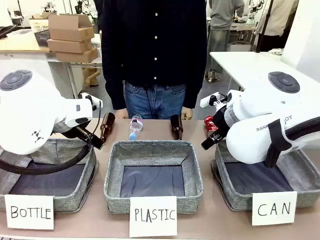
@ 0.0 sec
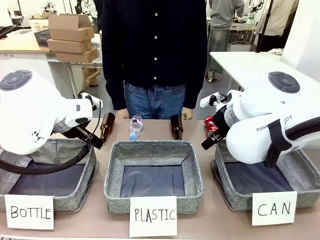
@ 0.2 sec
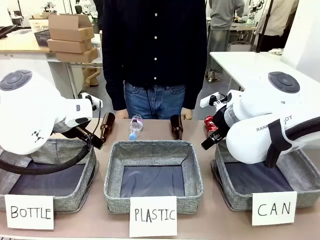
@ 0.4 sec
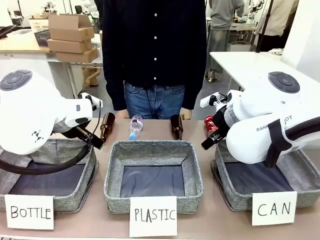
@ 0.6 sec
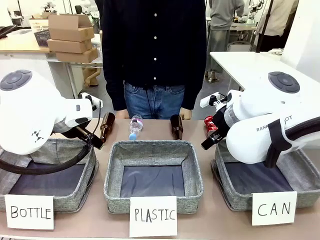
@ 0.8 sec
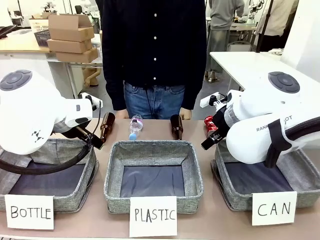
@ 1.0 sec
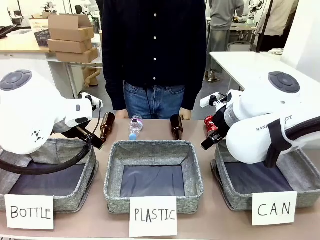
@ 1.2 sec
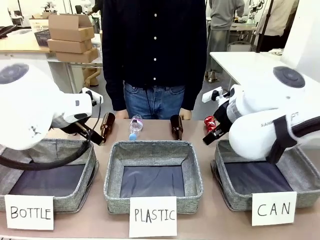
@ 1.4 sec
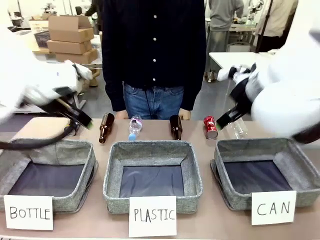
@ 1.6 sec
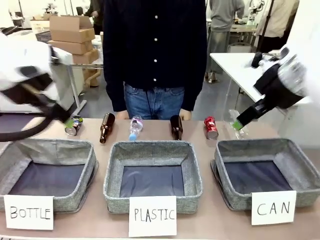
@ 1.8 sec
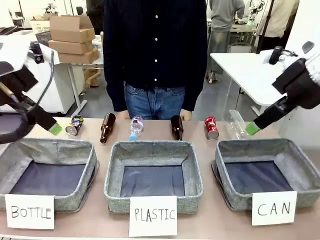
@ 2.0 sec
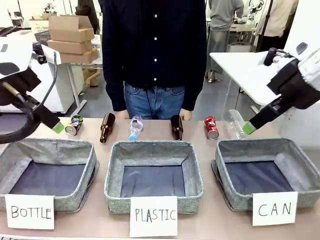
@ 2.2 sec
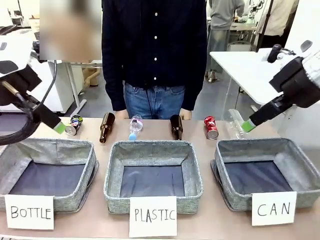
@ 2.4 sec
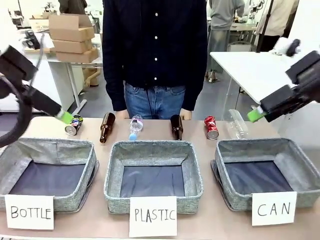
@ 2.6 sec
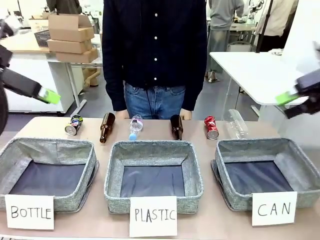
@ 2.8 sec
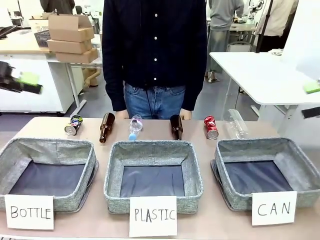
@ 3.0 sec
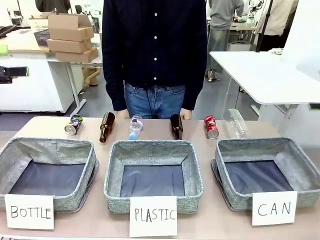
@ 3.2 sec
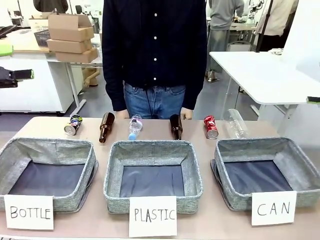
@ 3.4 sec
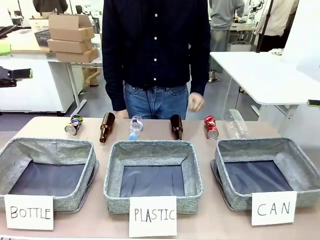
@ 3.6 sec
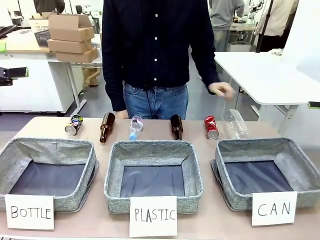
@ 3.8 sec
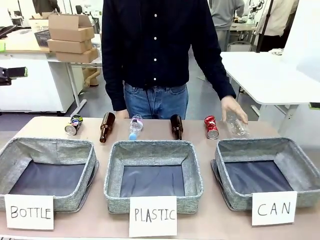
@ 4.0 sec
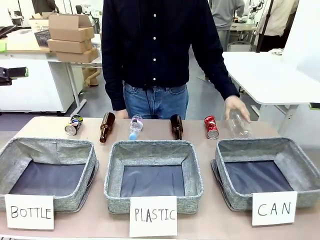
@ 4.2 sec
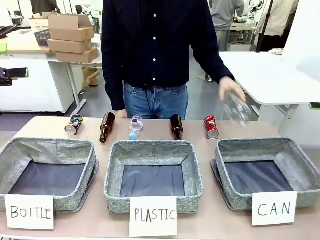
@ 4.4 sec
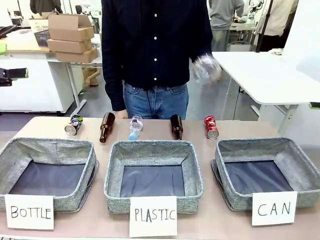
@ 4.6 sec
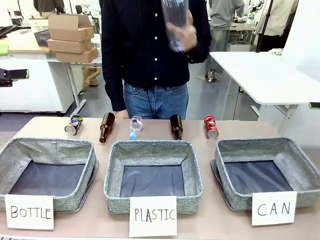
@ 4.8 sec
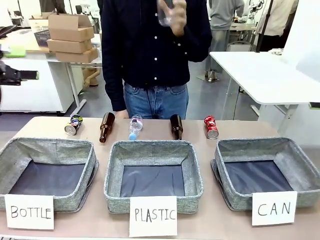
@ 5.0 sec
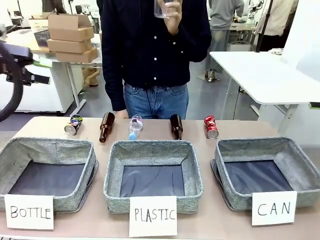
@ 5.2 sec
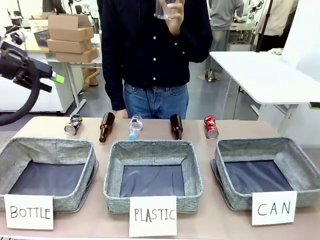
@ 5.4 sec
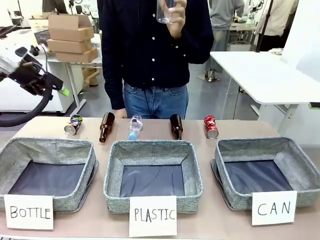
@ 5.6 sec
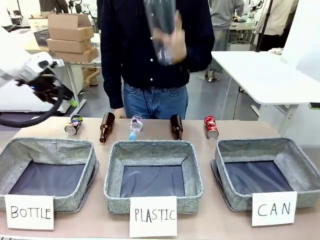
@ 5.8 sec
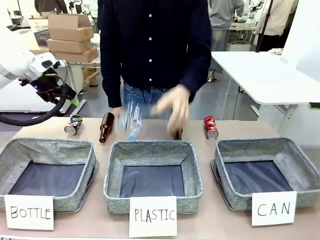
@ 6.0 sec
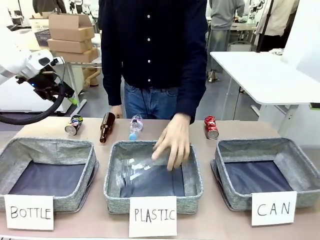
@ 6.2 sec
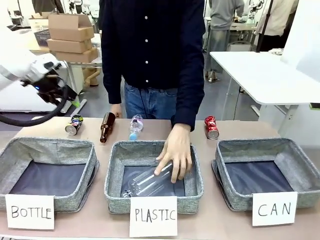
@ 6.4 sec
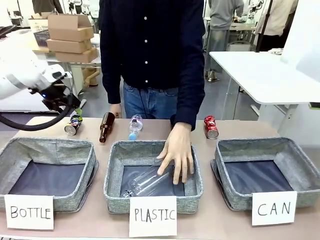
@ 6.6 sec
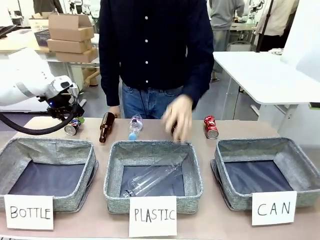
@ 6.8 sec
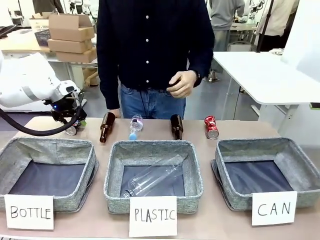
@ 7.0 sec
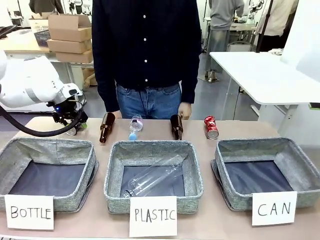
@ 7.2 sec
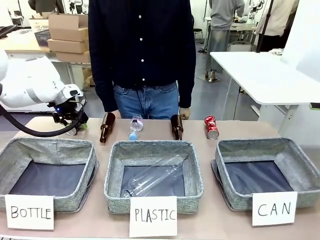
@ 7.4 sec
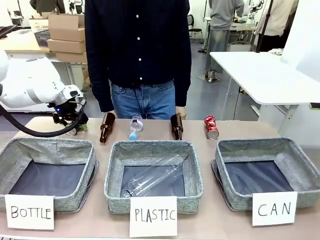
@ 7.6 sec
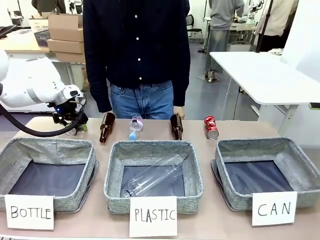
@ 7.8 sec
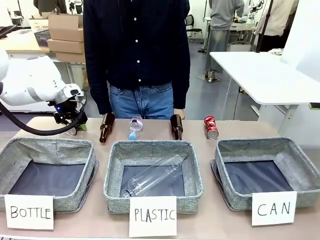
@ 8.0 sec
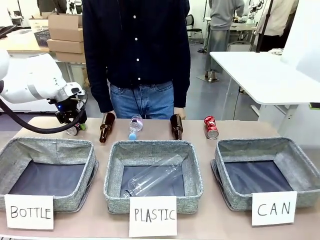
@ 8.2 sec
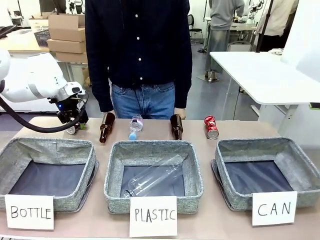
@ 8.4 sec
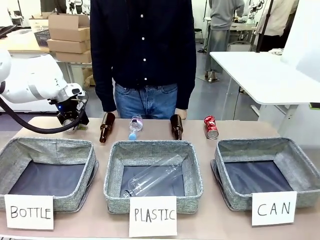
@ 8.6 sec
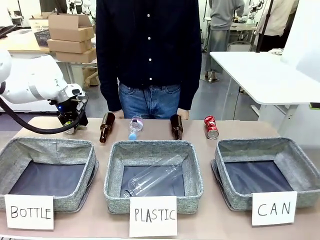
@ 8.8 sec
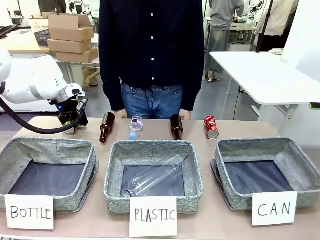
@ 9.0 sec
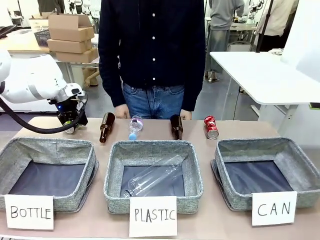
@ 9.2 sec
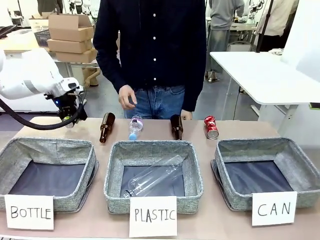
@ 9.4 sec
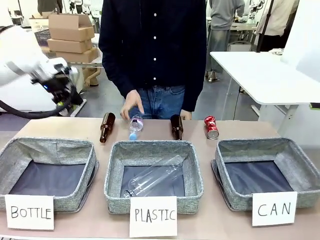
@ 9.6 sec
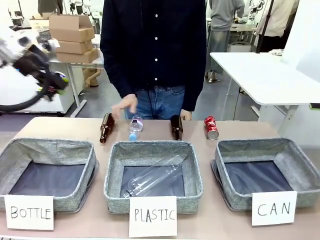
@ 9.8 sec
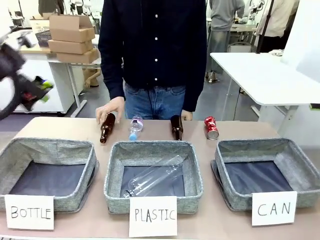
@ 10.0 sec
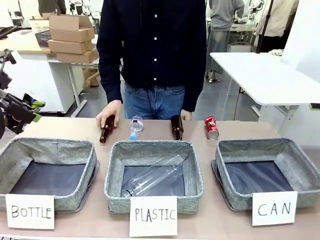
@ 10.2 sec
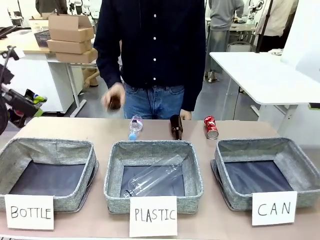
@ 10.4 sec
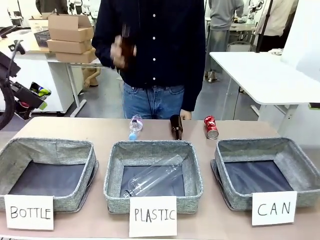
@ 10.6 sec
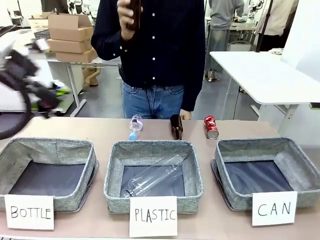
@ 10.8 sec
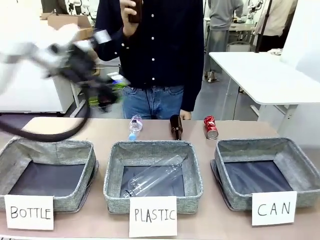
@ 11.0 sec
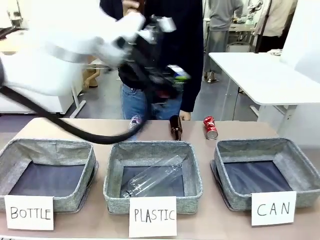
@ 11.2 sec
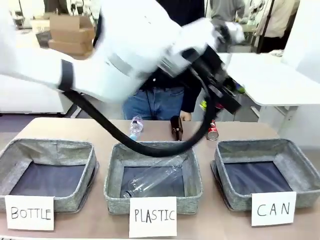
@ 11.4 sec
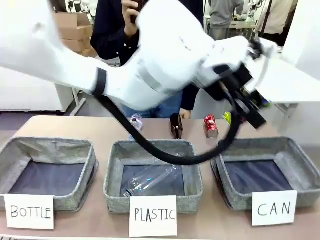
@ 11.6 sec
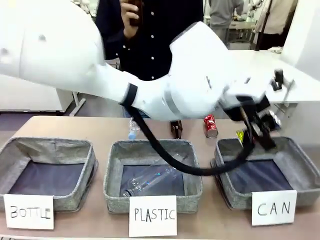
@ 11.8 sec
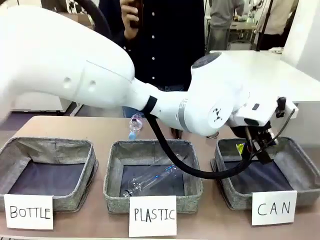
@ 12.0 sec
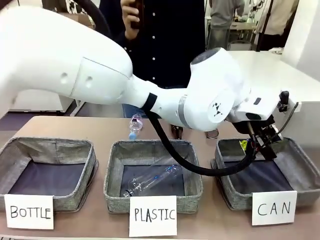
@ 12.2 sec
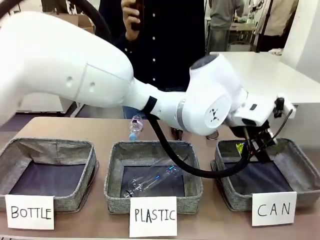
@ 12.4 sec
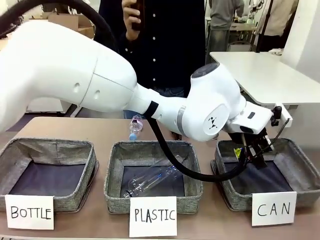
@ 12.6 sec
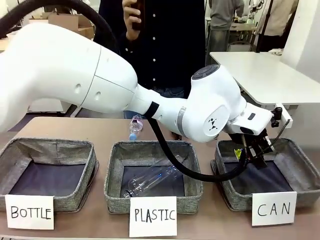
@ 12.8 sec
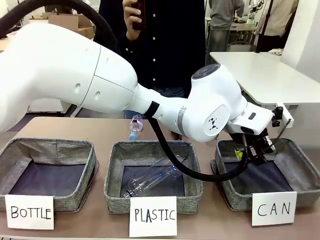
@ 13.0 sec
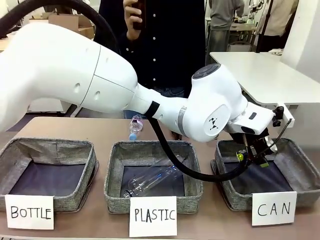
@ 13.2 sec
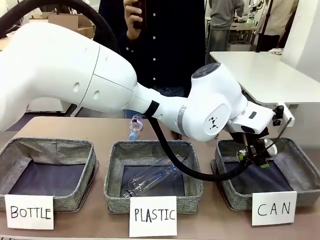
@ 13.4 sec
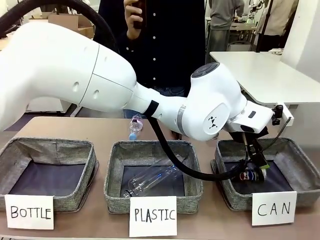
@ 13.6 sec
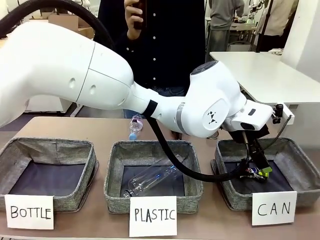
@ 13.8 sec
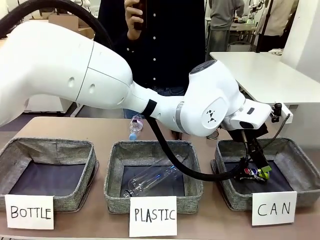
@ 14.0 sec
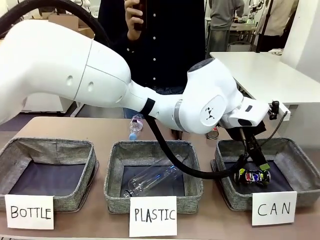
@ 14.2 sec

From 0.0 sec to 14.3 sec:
Task: Sort the can waste into the basket.
Robot: Pick up the can waste from the table and place it in the right Fabric basket.
